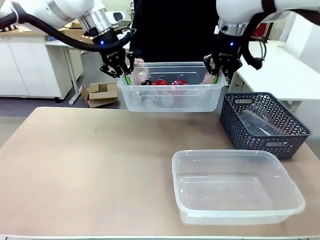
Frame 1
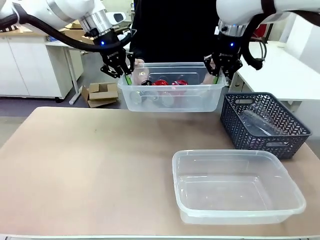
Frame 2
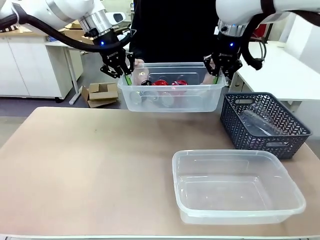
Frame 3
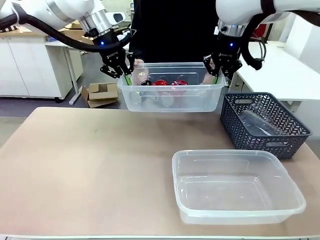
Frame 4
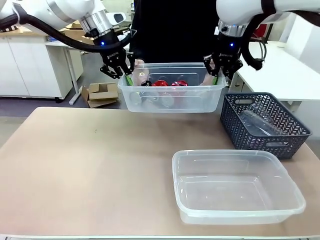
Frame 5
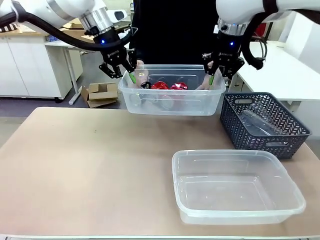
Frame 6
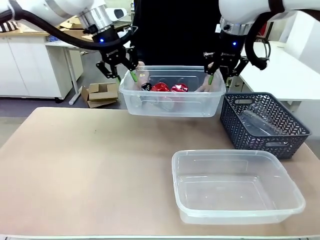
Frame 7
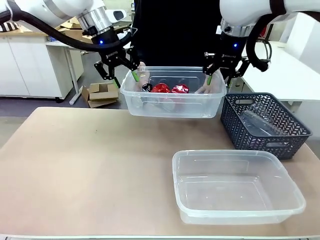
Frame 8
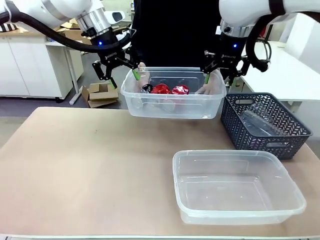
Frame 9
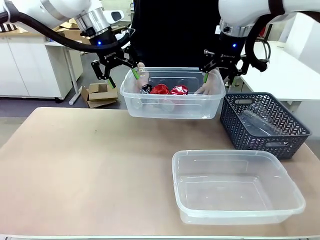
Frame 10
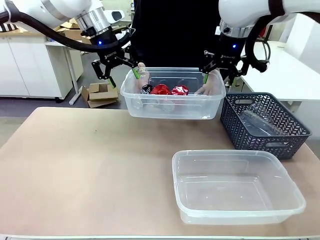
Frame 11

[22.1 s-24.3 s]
Robot: Release the Organizing box you were holding.

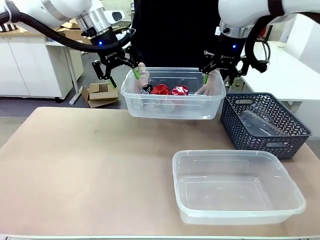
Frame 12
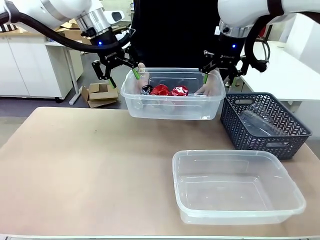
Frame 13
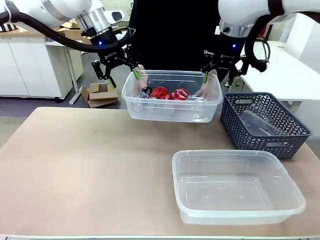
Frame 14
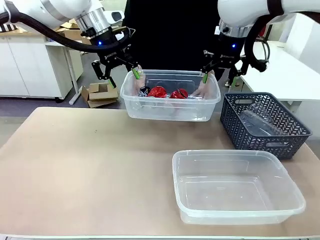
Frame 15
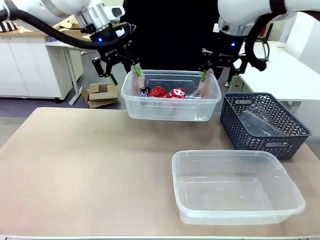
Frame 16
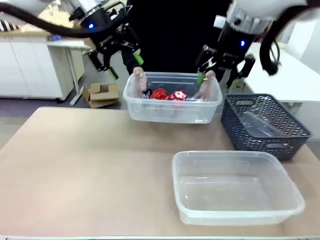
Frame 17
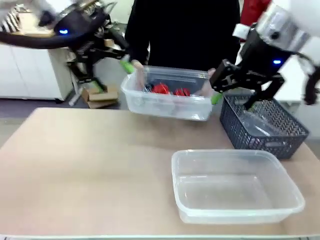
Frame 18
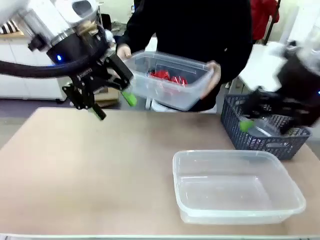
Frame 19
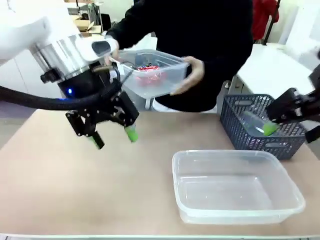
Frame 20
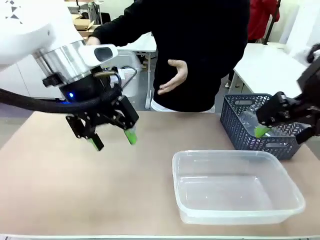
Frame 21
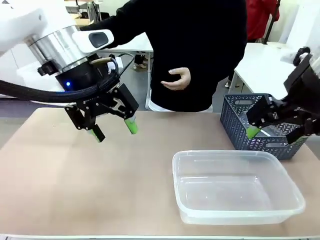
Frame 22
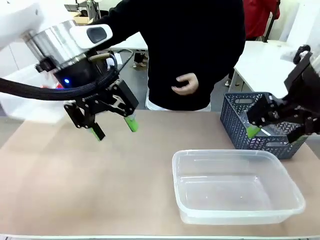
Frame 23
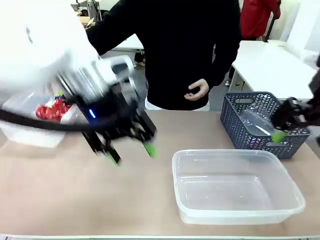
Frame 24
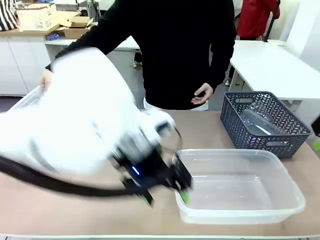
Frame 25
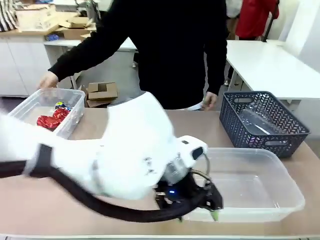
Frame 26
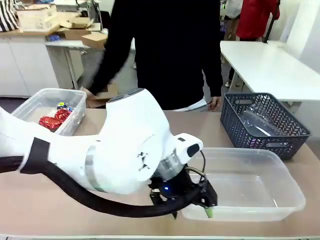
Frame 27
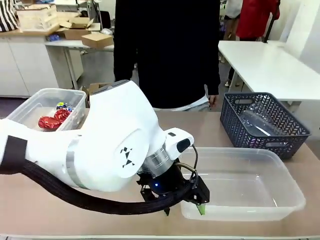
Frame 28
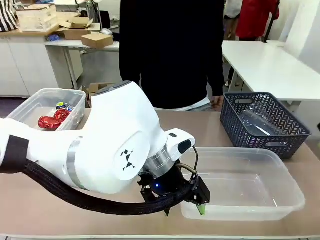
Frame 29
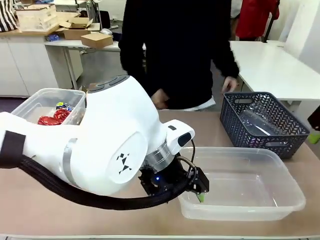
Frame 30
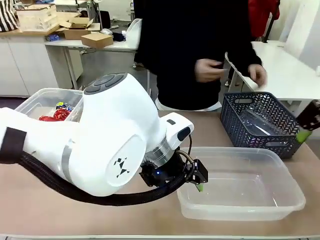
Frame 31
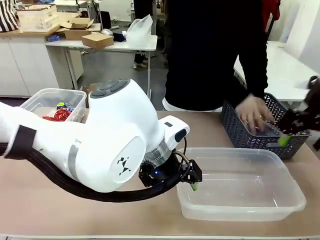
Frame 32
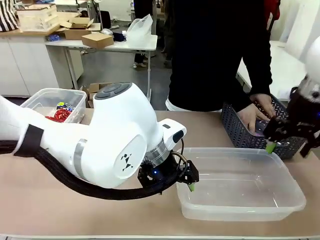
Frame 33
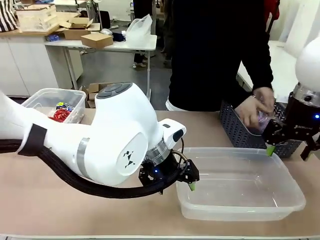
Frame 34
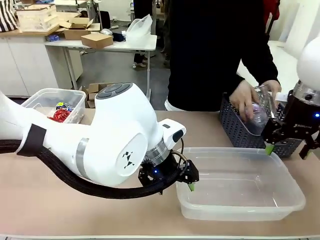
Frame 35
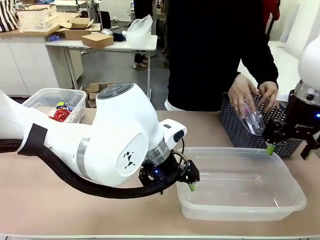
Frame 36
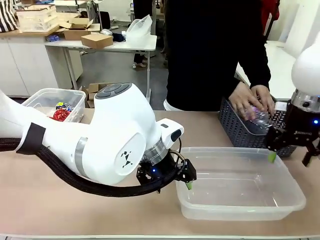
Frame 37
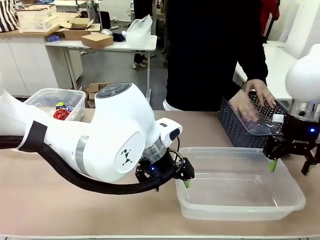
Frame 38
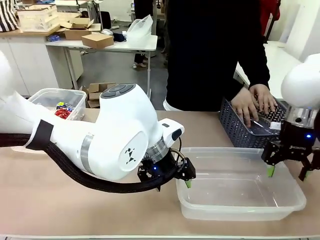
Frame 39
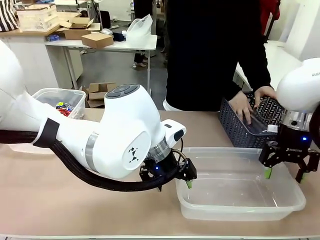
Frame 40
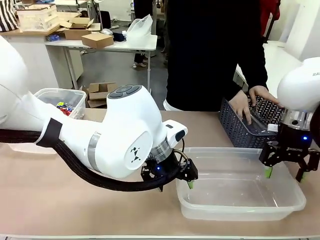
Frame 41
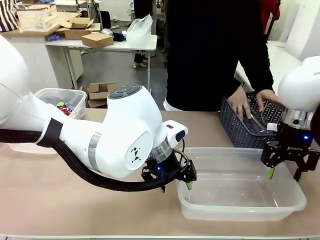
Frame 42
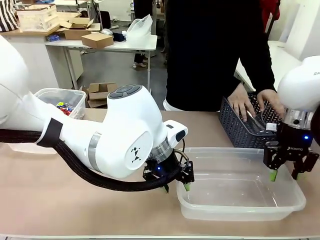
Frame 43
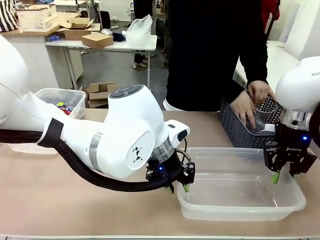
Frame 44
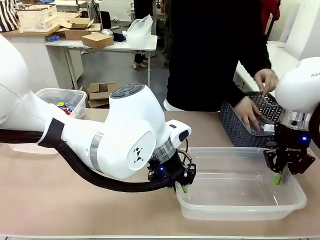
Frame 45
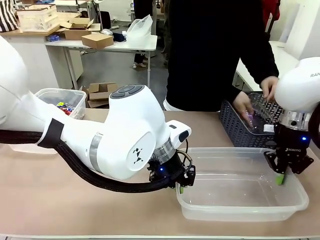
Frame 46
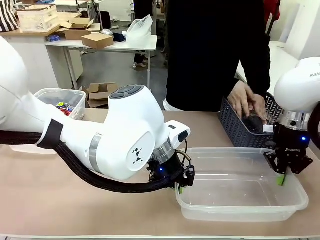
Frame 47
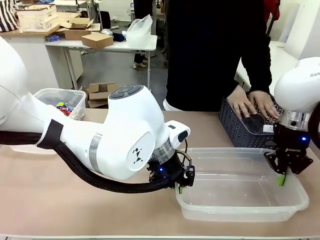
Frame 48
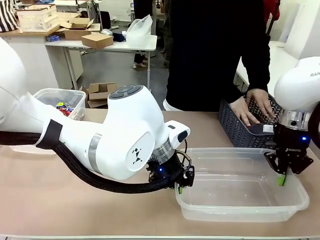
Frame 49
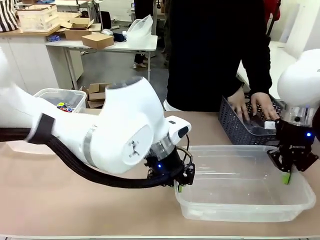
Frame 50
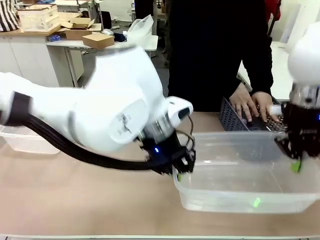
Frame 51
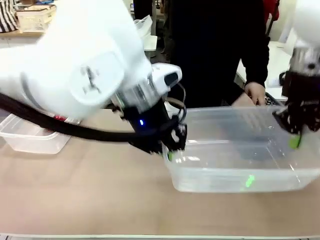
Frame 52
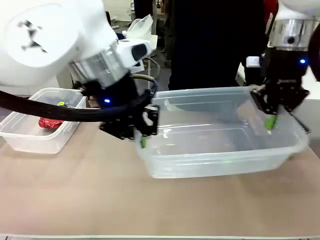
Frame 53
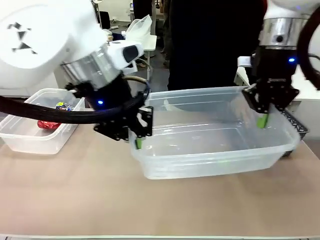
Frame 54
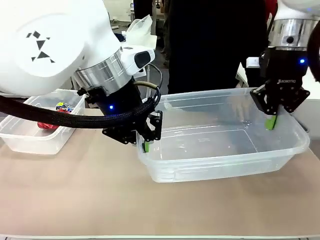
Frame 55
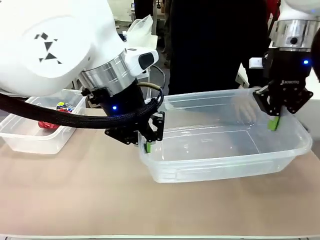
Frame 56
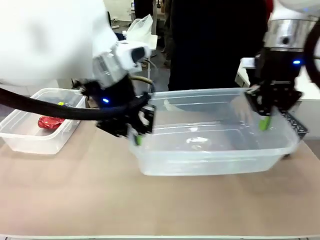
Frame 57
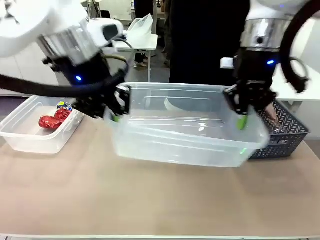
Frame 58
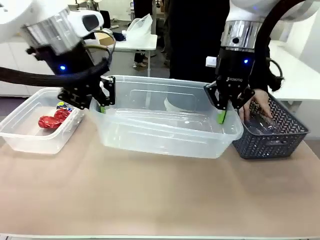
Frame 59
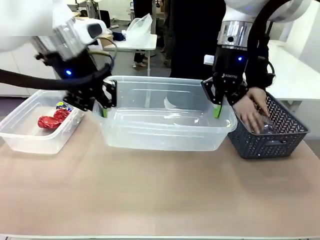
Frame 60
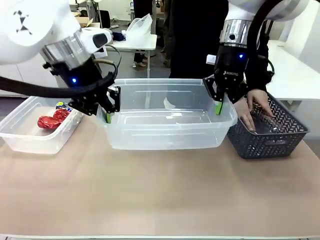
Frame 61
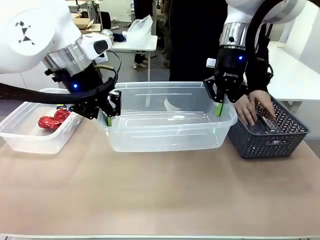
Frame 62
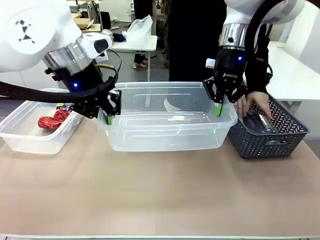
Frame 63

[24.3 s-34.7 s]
Robot: Pick up the Organizing box on the right side of the table and lift it.
Person: Place it at the edge of the bottom right area of the robot table. Pick up plastic waste one by one and place it into the organizing box lifted by the robot.

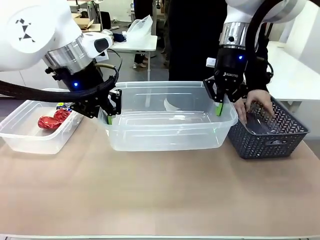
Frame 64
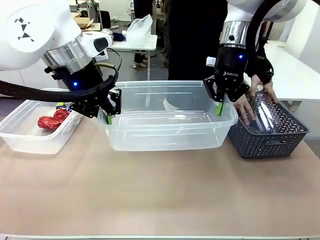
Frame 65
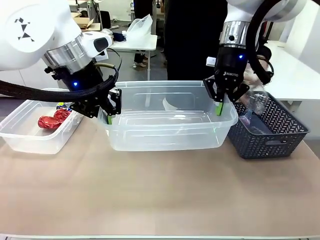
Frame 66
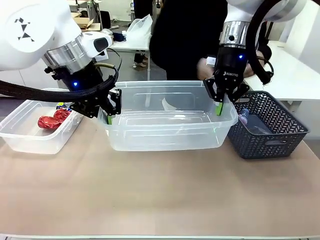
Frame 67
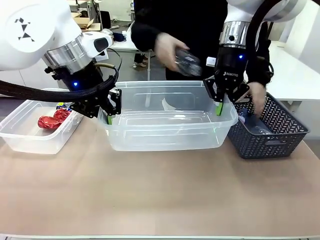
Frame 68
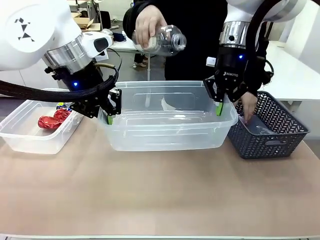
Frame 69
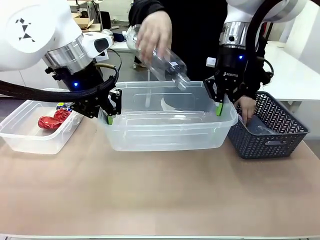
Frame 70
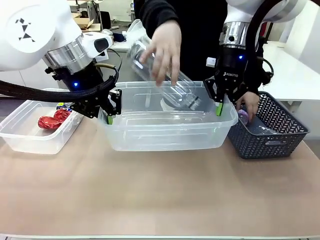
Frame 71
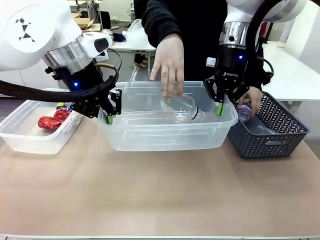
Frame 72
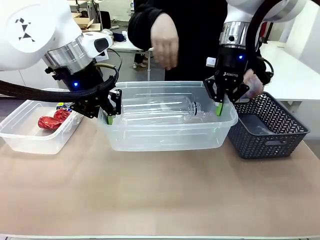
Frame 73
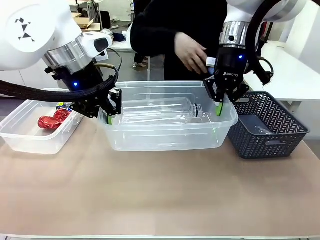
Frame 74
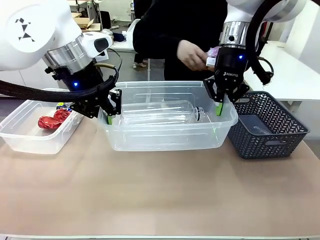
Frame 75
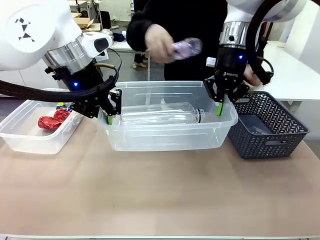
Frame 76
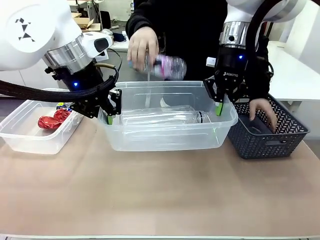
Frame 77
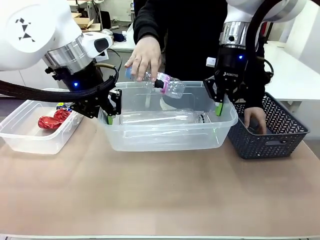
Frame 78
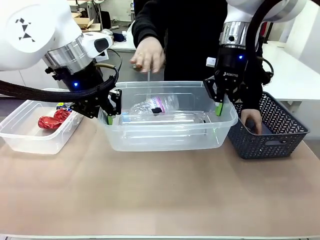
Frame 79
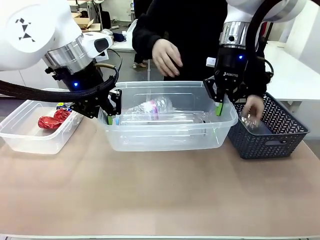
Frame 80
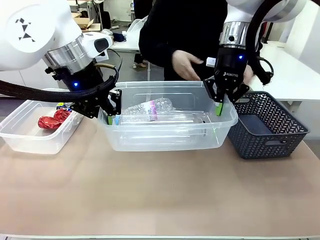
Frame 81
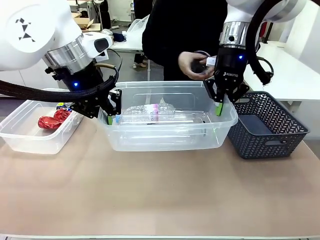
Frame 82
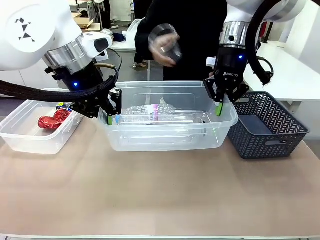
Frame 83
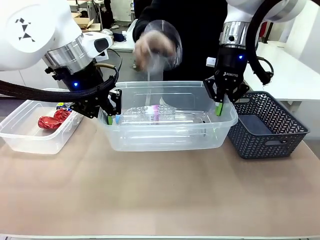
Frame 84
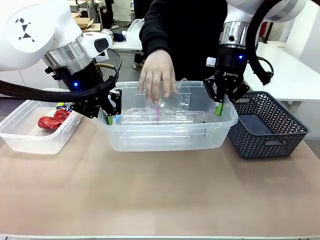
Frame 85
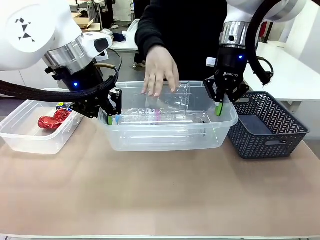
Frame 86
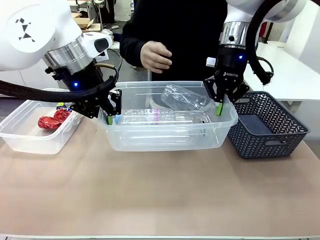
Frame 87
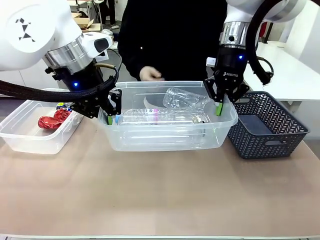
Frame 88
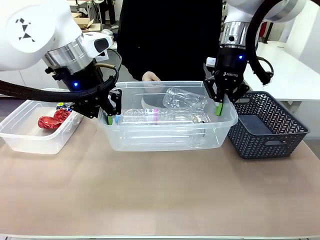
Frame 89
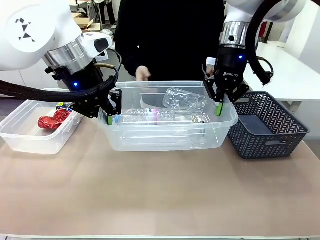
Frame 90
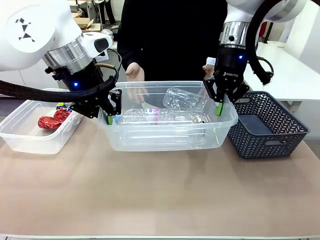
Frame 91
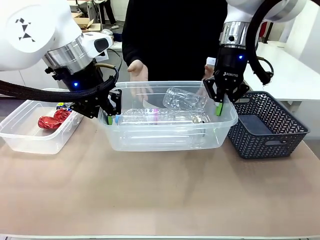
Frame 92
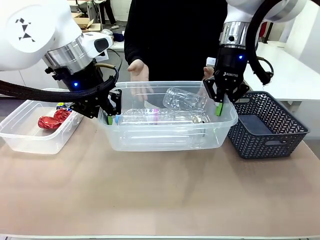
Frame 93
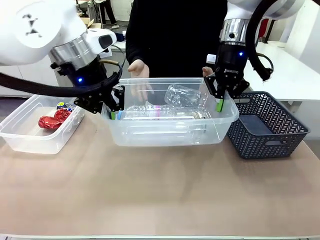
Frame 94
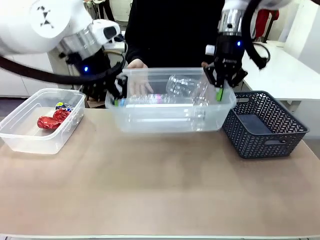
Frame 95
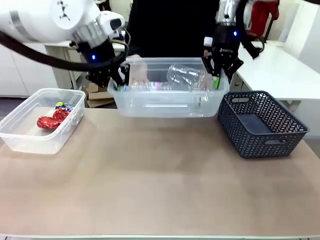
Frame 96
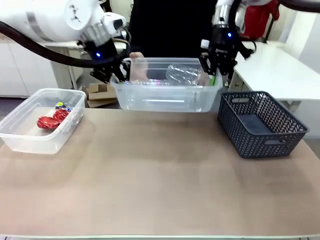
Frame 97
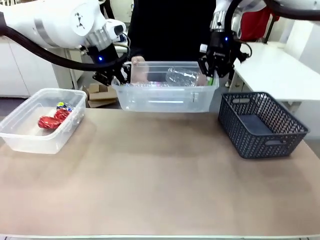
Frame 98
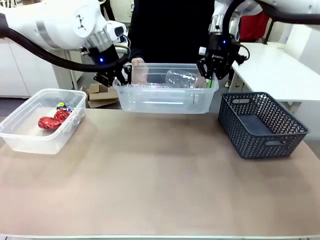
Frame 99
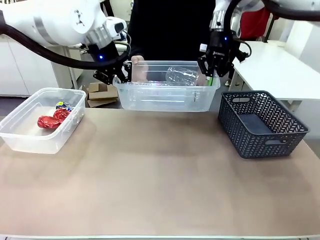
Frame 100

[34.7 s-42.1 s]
Robot: Offer the picked Organizing box to the human.

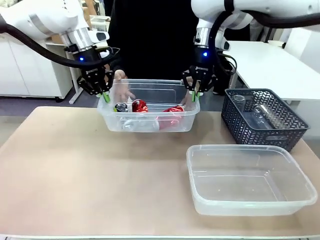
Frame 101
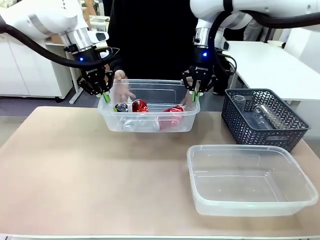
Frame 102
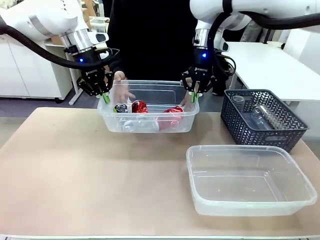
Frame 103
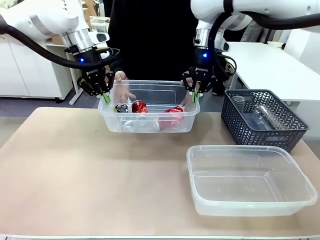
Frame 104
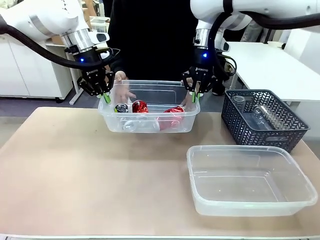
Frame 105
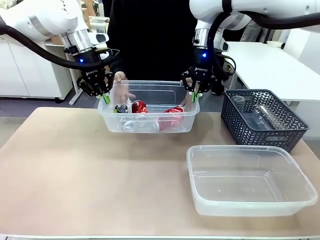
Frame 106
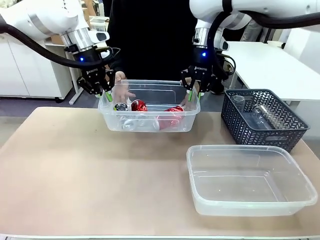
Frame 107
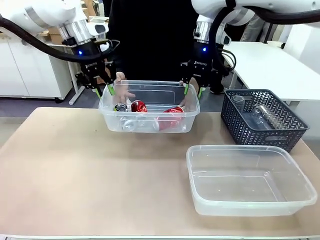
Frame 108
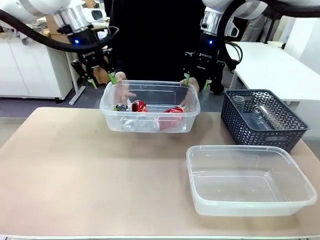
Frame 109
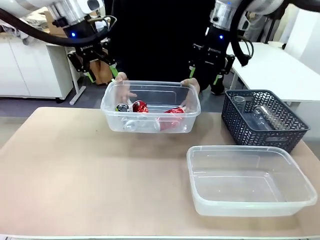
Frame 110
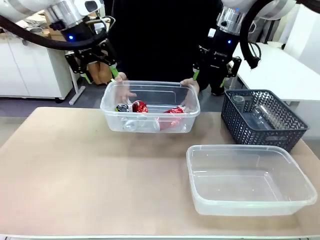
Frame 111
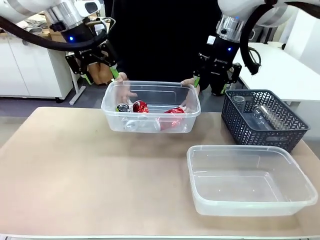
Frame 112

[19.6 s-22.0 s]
Robot: Release the Organizing box you were holding.
